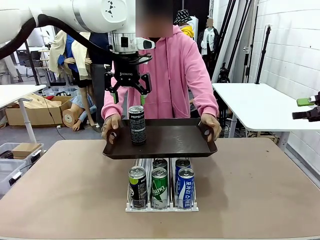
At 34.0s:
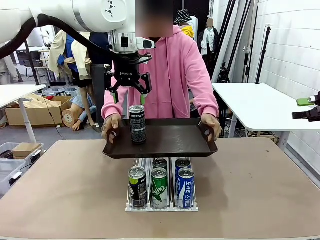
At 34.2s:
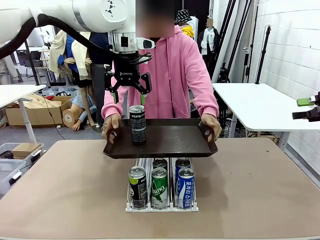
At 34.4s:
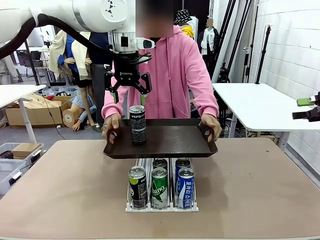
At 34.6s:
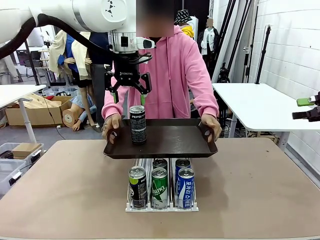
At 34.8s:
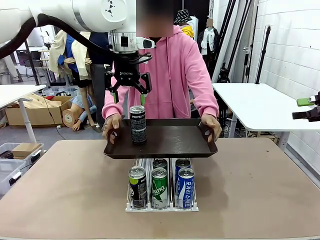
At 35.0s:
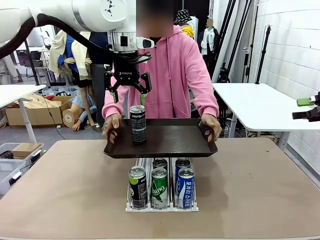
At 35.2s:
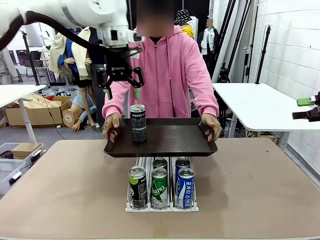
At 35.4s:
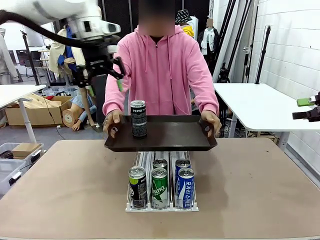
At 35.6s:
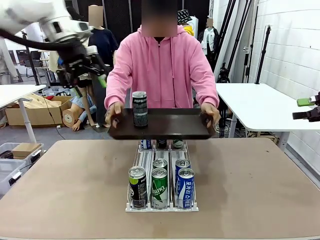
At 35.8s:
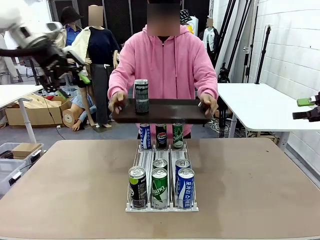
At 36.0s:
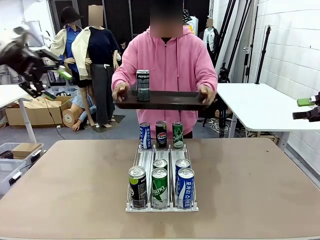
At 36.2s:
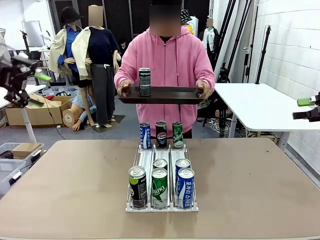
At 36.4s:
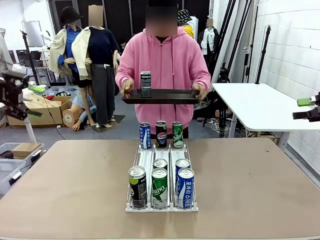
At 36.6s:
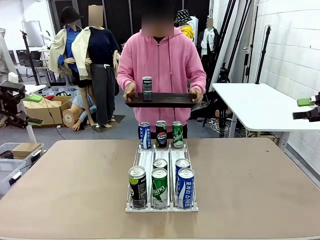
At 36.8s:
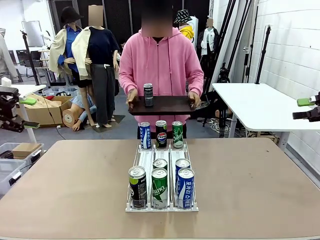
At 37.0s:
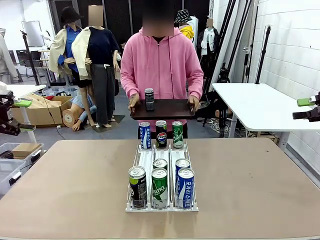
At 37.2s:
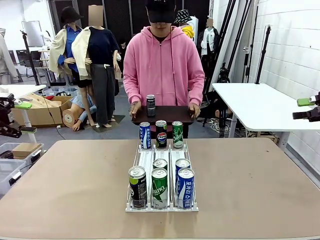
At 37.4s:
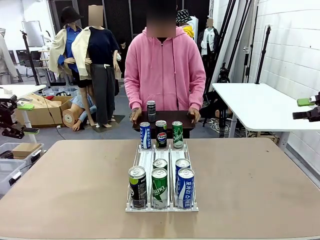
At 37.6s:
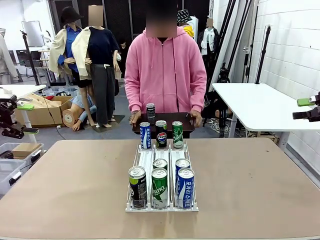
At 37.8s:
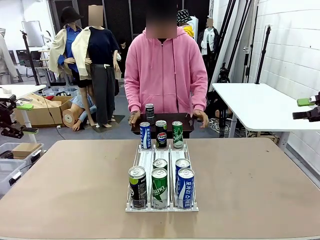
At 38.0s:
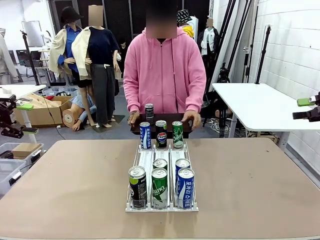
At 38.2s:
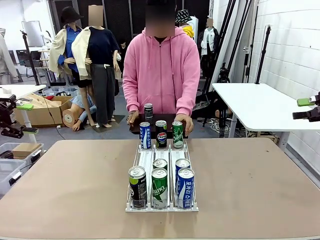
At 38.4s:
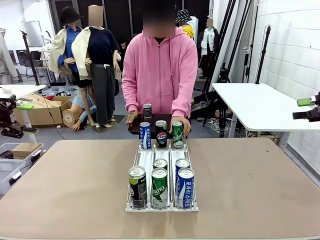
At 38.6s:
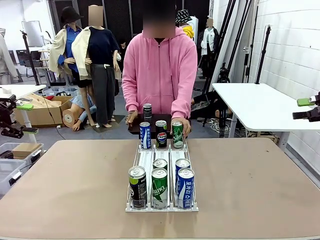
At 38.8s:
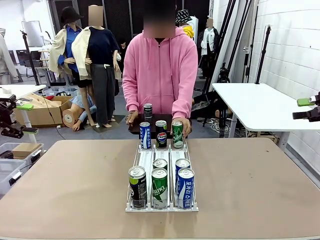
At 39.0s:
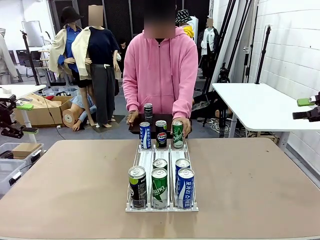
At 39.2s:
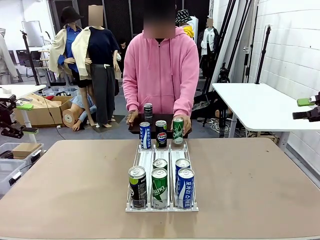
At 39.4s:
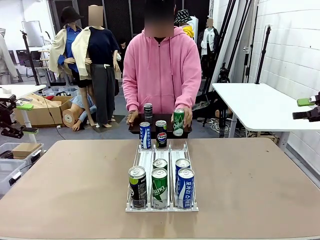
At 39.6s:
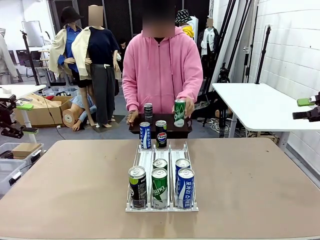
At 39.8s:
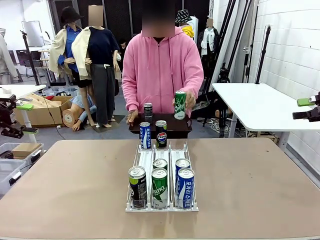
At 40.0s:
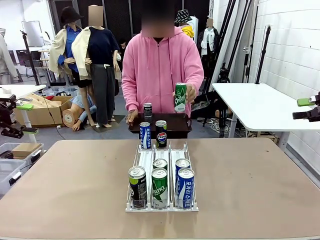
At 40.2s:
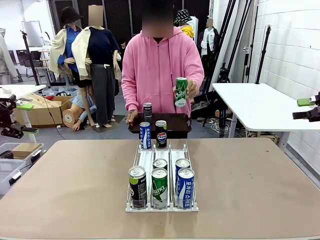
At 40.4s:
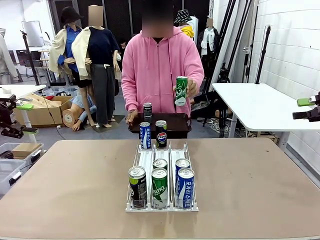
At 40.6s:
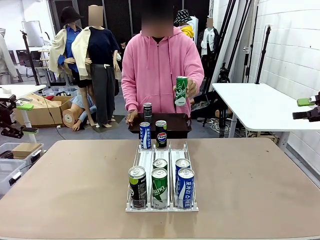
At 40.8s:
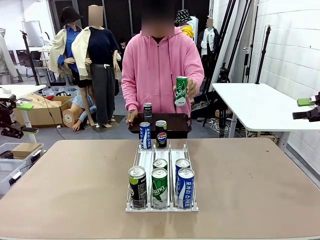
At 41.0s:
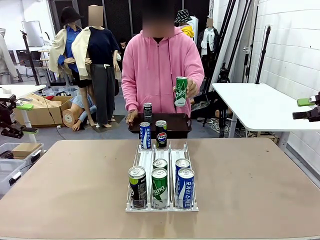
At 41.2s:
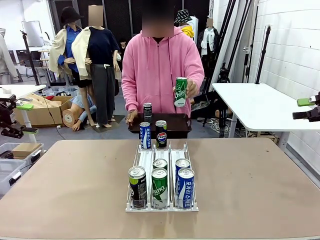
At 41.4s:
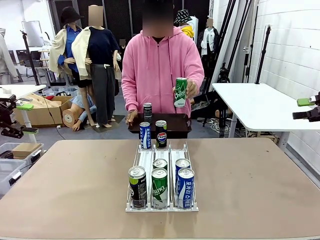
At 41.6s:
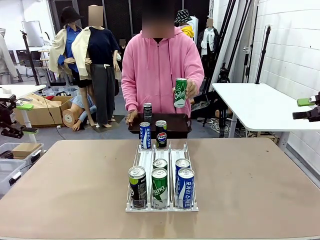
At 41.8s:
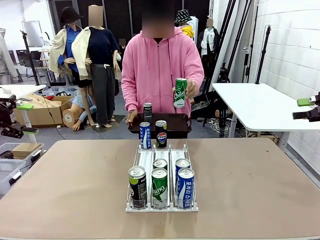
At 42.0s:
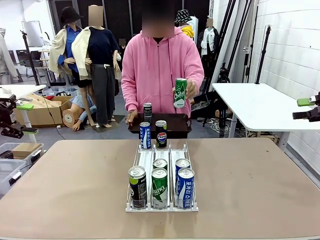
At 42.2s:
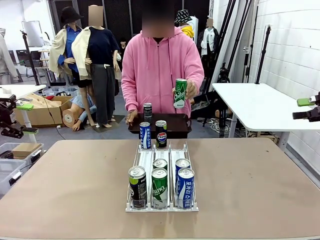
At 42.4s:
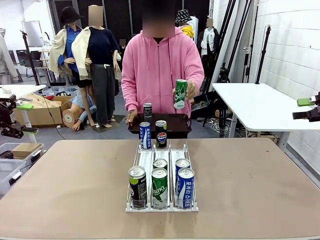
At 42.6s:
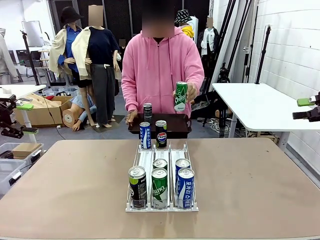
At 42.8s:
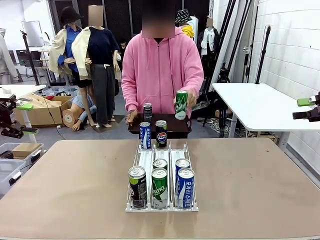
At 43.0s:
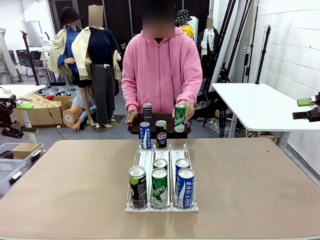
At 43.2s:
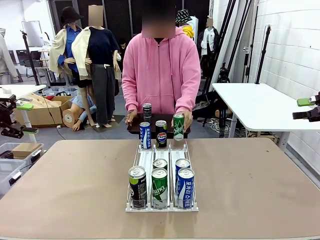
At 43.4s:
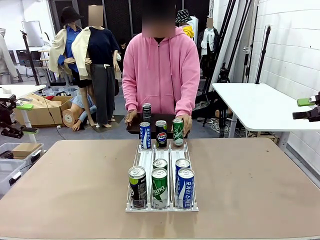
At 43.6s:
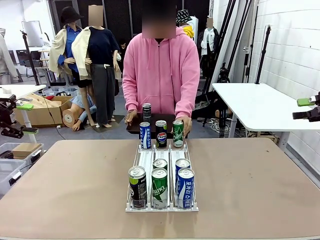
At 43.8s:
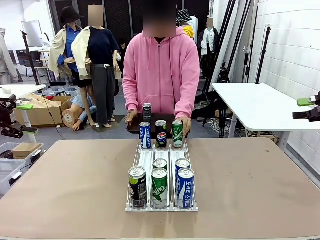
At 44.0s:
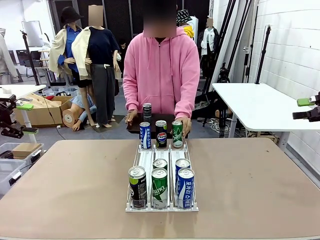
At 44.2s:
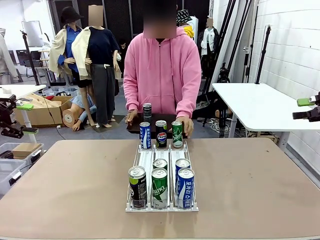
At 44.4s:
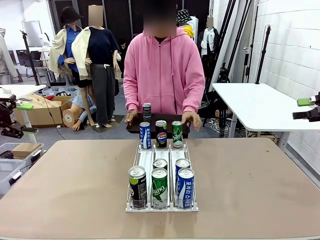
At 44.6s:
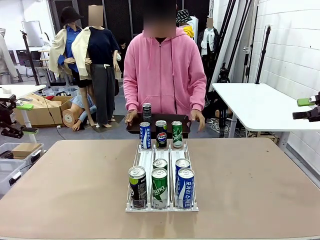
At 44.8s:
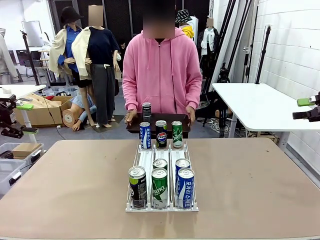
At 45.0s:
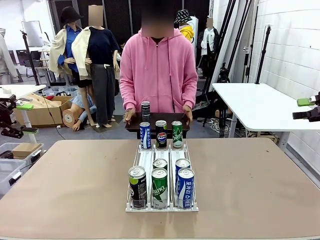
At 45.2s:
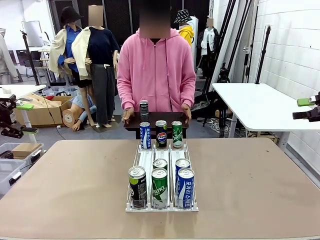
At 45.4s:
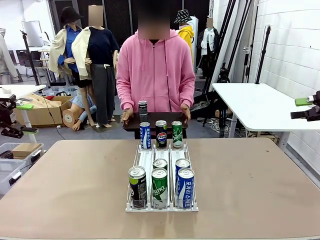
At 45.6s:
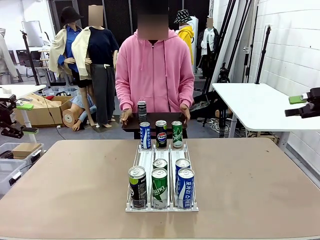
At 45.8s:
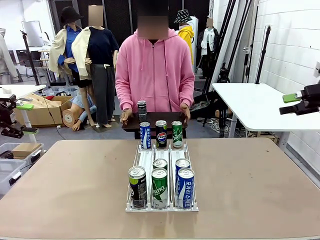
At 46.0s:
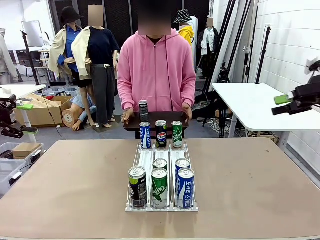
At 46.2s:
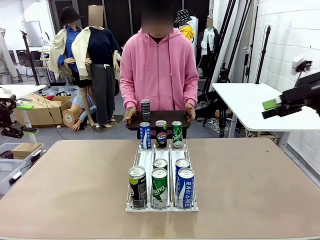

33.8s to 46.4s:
Task: Retrieve and hand over the desired beverage to the person.
Robot: Pick up another can of the same type that the person held from the Automatic Can Dispenser.
Person: Pull the tray back, then pick up another can from the bottom area of the table and puts it back in its original place.

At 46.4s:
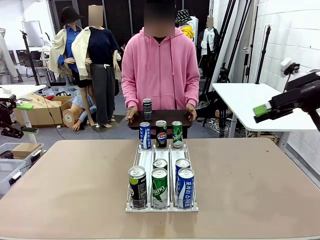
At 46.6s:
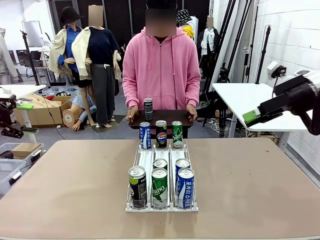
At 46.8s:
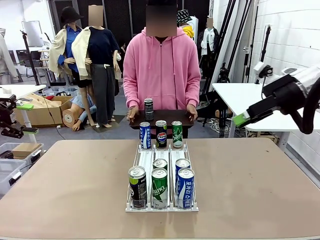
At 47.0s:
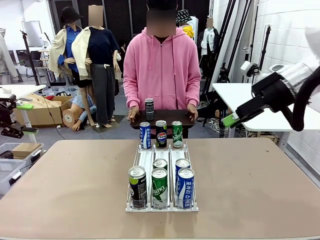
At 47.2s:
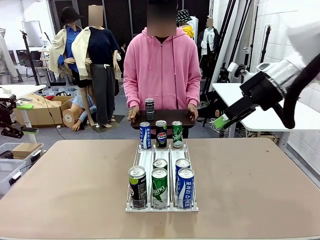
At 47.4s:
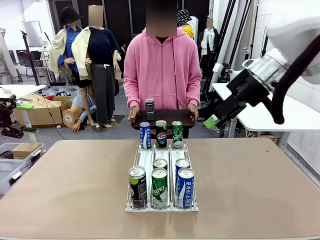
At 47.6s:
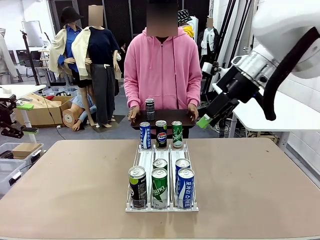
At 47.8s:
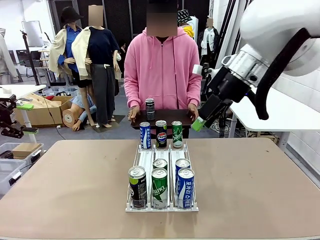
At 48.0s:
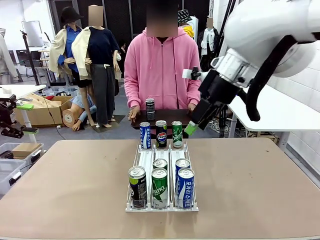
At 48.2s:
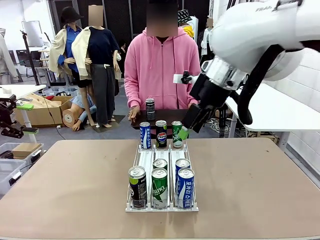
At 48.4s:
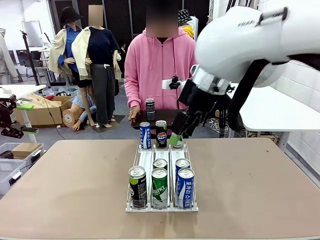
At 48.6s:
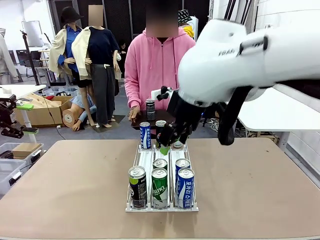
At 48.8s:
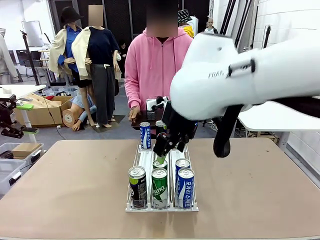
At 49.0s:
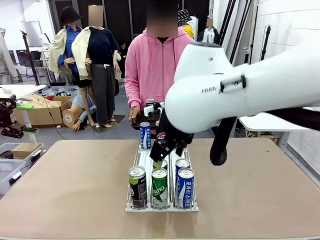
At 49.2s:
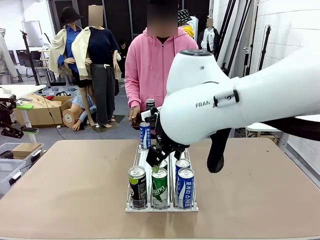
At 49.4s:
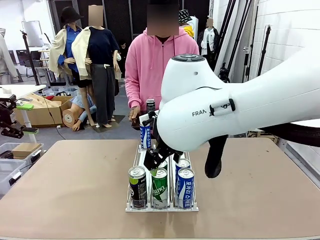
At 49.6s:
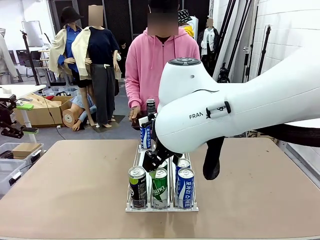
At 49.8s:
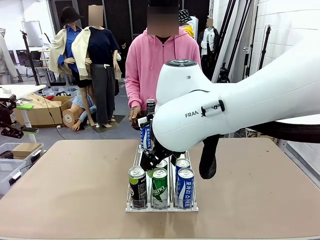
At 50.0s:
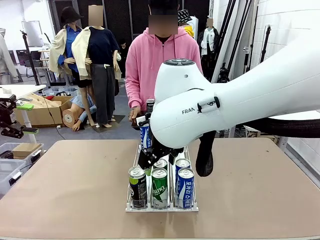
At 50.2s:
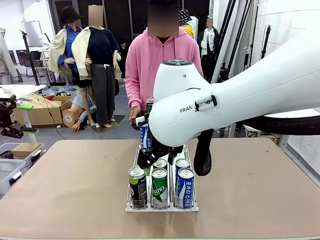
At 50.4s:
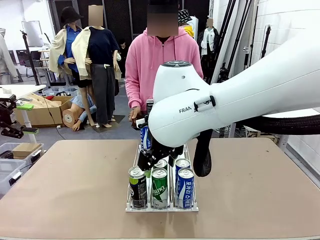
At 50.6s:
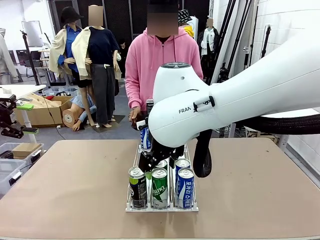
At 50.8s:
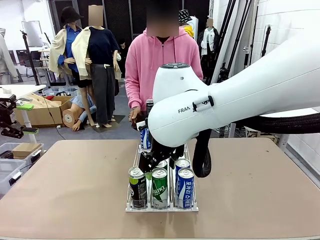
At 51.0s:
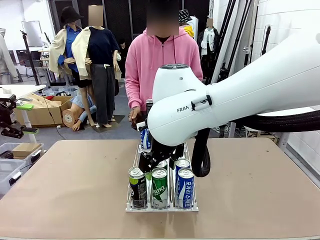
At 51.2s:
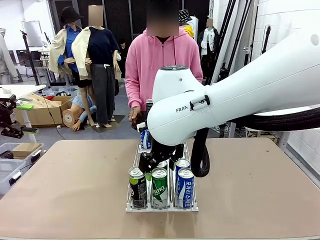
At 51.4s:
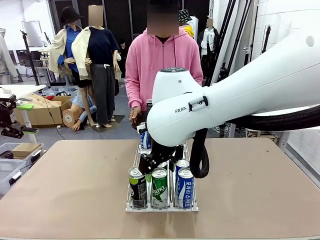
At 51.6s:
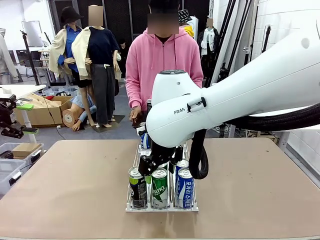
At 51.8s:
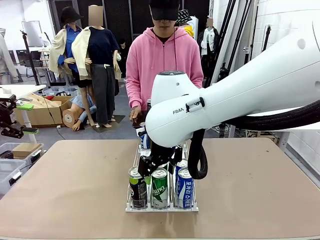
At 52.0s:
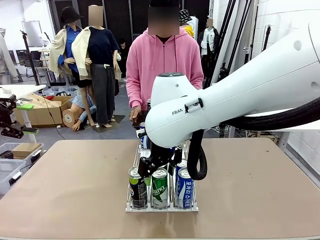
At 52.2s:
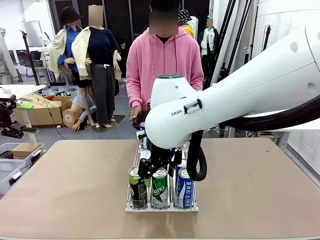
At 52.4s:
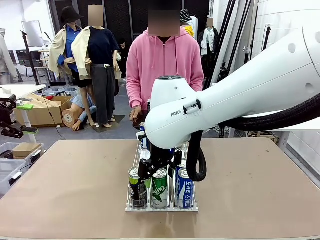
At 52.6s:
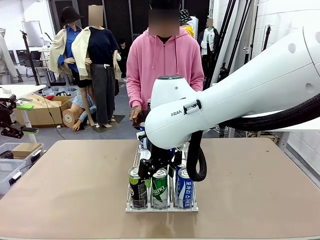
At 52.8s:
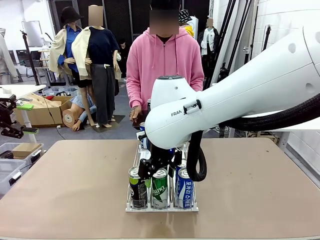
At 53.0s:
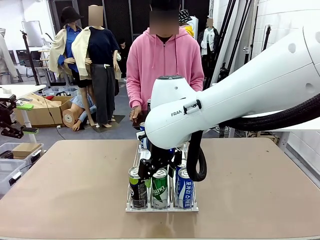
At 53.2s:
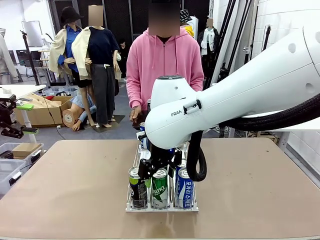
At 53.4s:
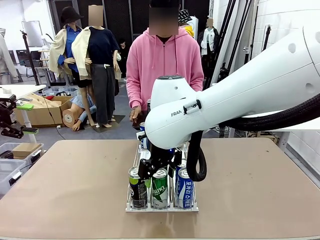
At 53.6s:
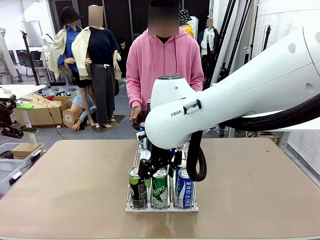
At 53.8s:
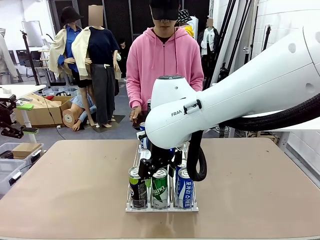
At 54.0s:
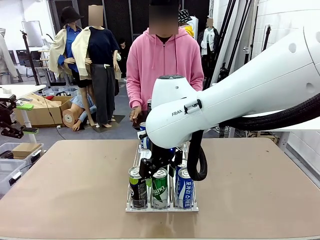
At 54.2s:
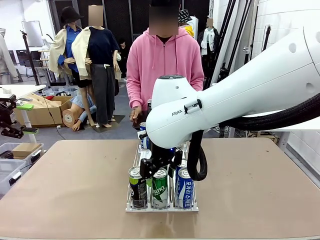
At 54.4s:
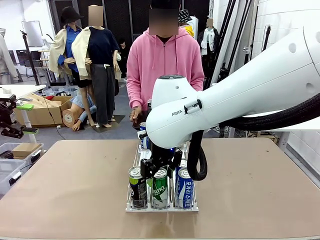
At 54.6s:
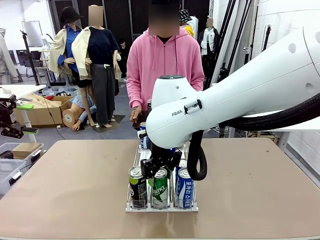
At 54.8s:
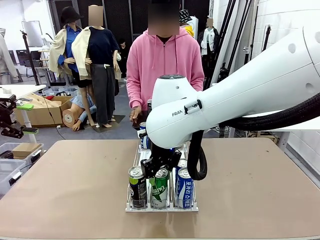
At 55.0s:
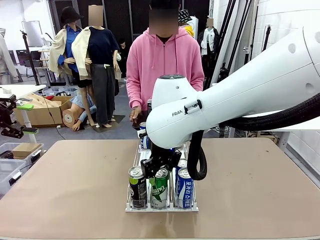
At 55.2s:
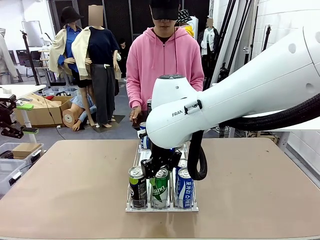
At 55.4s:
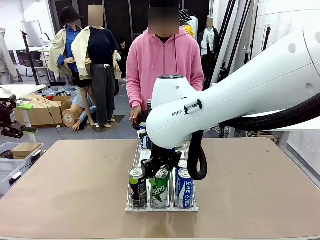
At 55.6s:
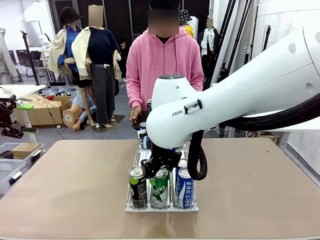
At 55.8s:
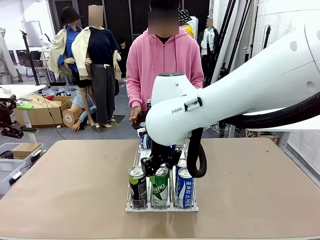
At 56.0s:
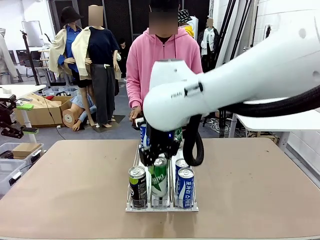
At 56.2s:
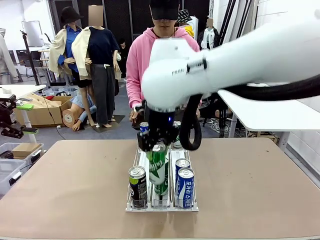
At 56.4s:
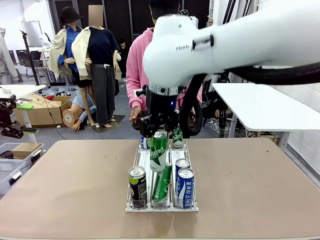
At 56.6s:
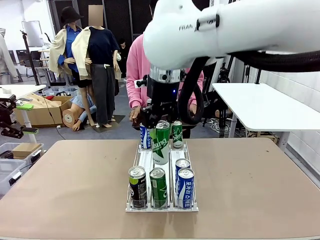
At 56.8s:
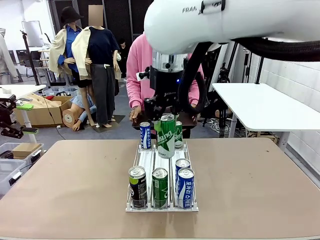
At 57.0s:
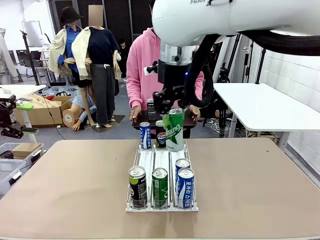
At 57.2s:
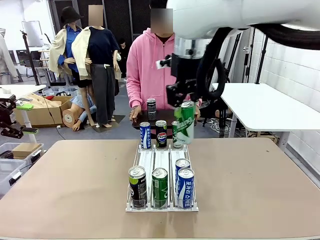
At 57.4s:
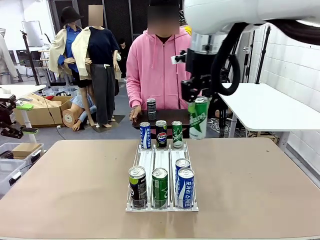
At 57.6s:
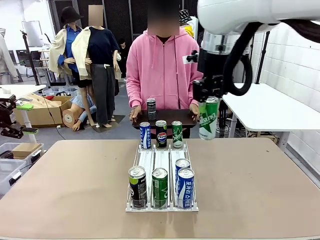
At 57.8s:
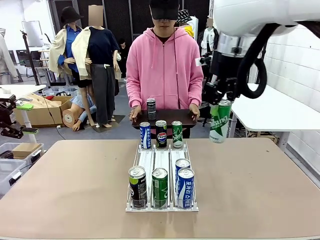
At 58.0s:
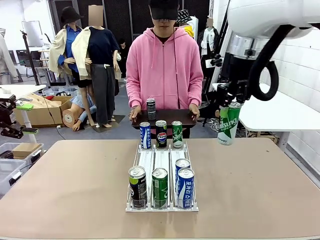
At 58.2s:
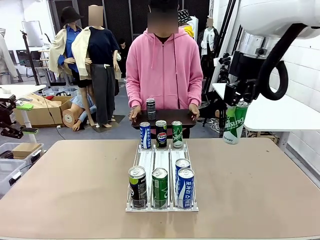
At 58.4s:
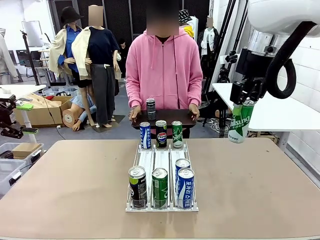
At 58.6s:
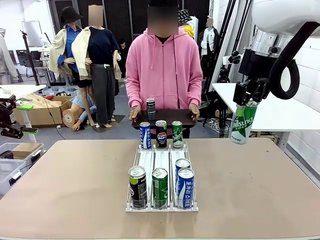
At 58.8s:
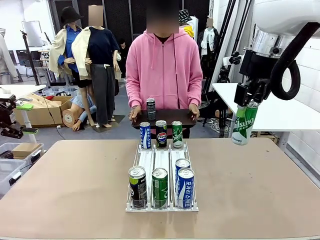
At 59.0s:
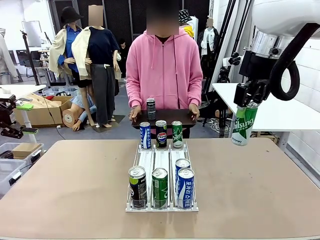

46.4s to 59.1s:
Robot: Pick up another can of the same type that the person held from the Automatic Can Dispenser.
Person: Push the tray toward the robot again.
